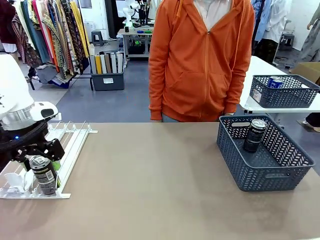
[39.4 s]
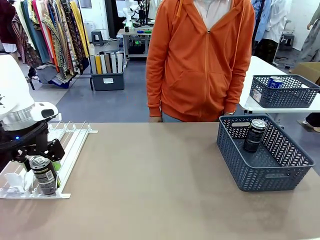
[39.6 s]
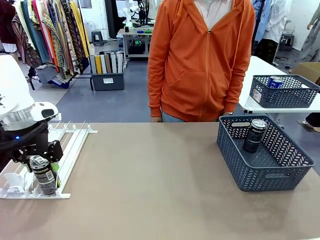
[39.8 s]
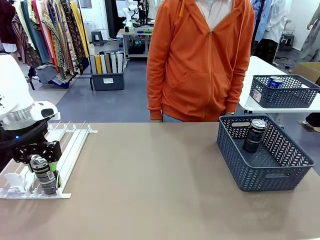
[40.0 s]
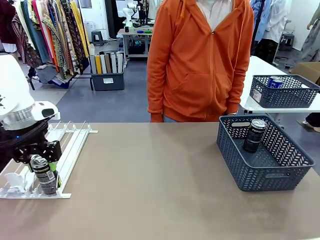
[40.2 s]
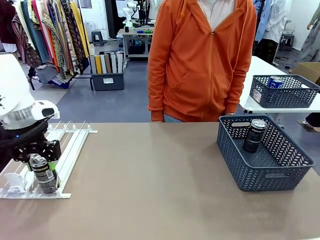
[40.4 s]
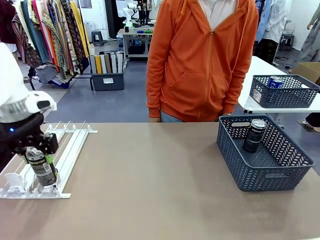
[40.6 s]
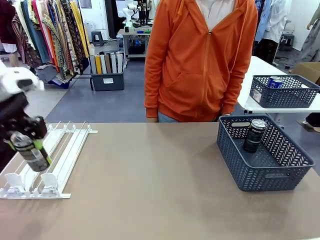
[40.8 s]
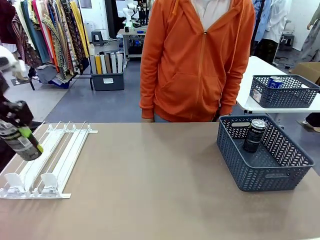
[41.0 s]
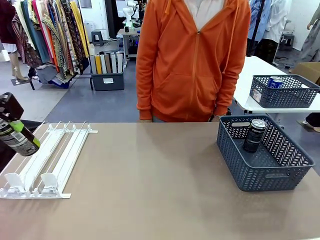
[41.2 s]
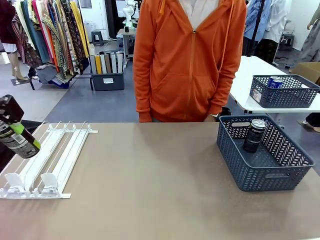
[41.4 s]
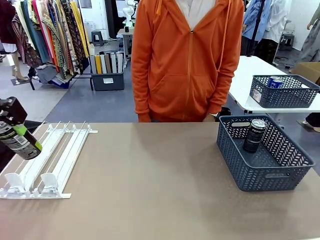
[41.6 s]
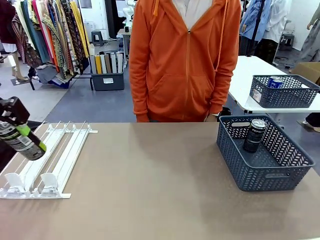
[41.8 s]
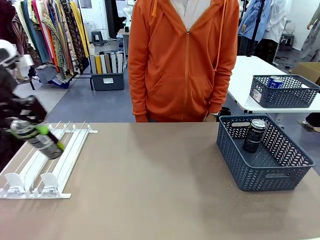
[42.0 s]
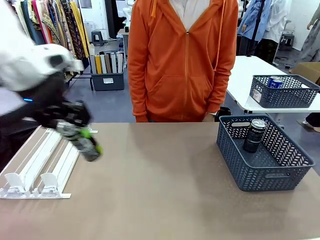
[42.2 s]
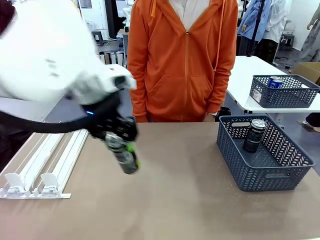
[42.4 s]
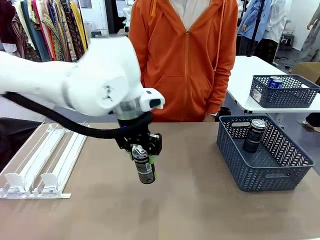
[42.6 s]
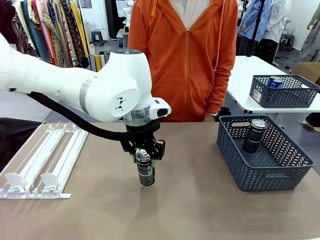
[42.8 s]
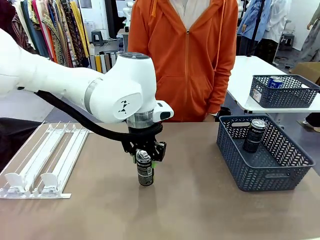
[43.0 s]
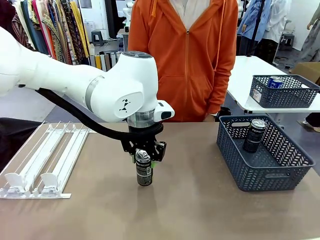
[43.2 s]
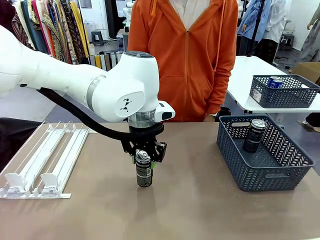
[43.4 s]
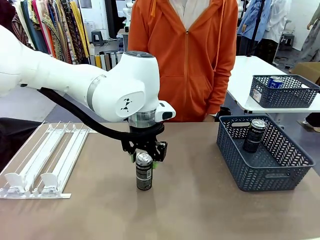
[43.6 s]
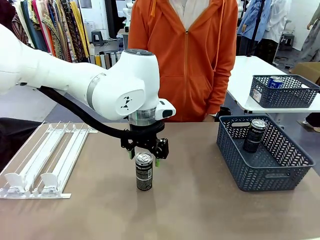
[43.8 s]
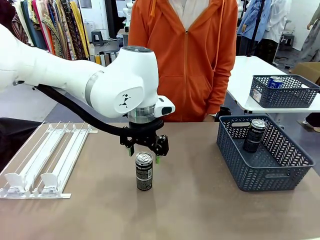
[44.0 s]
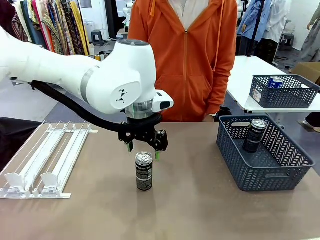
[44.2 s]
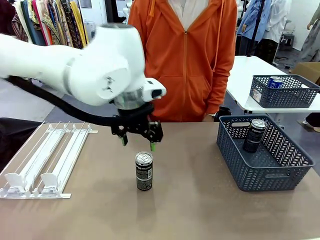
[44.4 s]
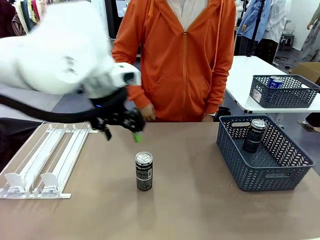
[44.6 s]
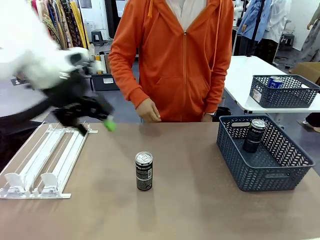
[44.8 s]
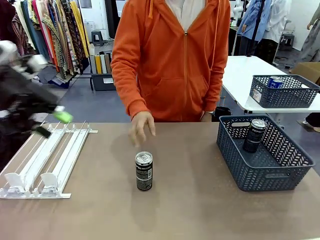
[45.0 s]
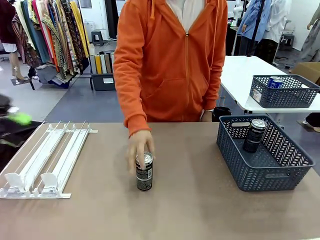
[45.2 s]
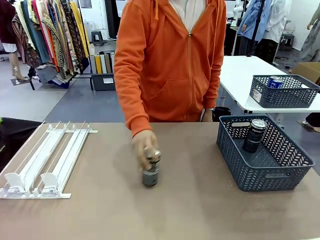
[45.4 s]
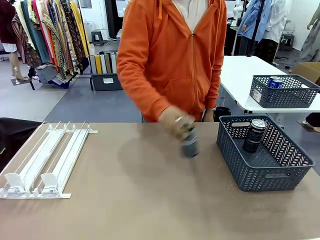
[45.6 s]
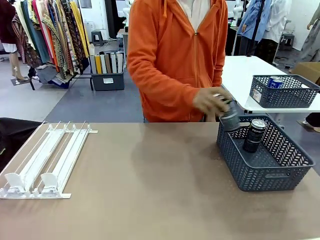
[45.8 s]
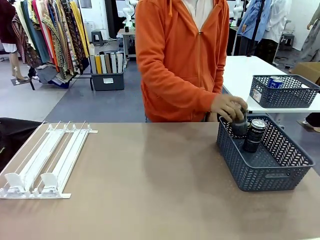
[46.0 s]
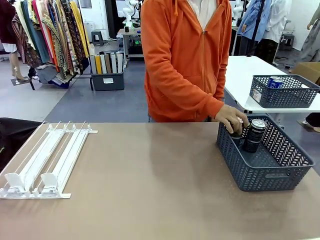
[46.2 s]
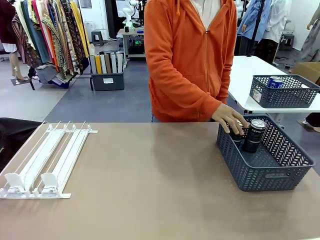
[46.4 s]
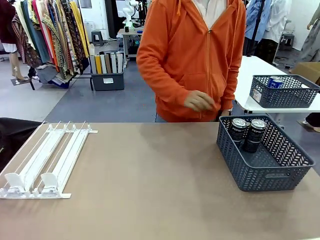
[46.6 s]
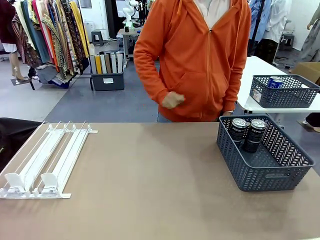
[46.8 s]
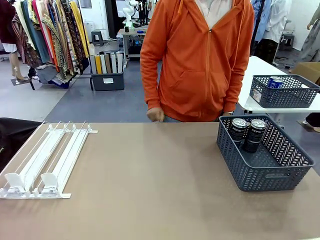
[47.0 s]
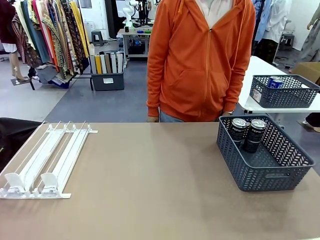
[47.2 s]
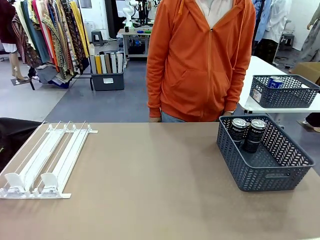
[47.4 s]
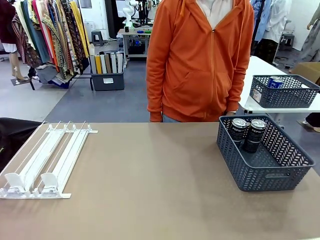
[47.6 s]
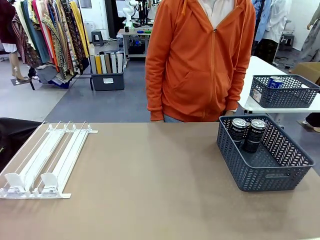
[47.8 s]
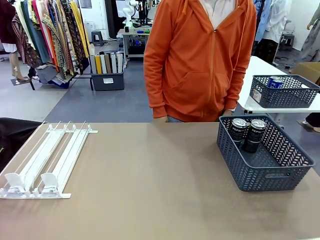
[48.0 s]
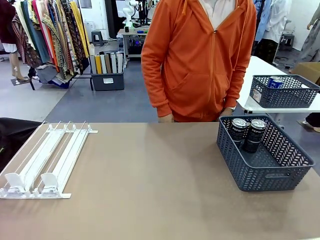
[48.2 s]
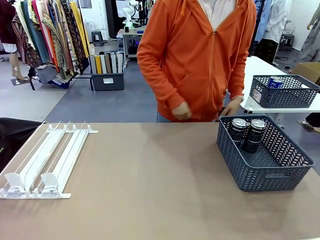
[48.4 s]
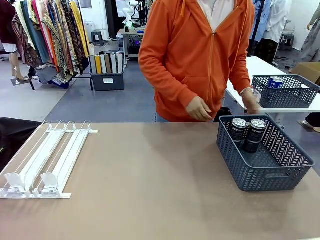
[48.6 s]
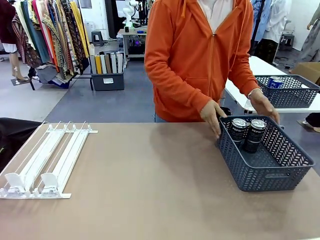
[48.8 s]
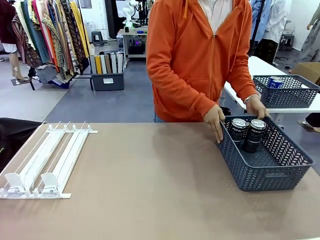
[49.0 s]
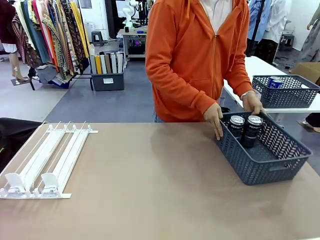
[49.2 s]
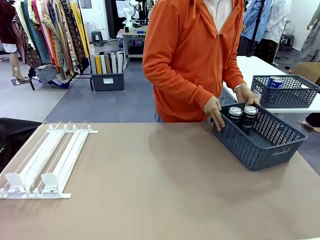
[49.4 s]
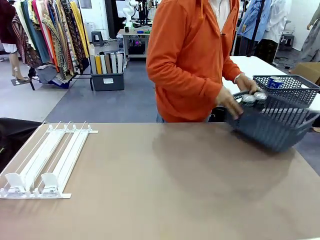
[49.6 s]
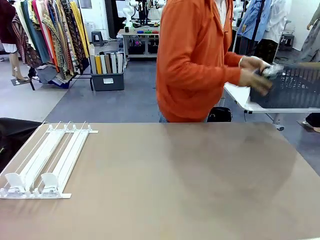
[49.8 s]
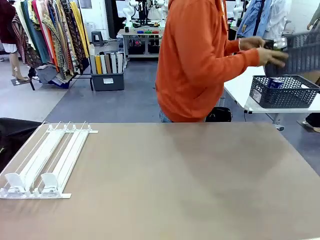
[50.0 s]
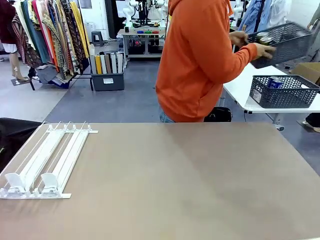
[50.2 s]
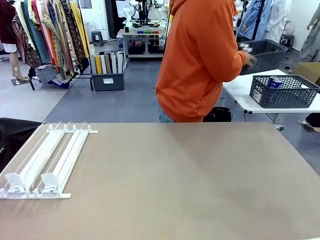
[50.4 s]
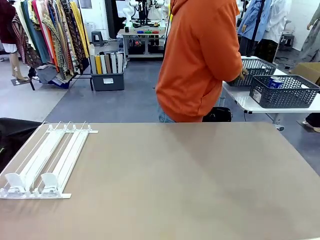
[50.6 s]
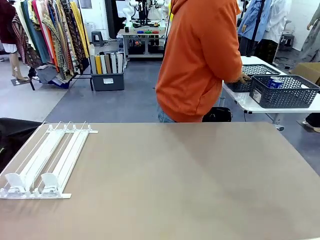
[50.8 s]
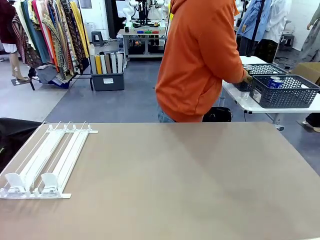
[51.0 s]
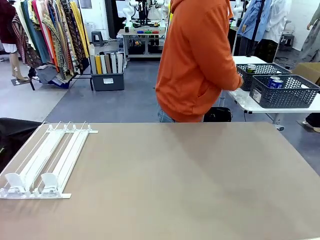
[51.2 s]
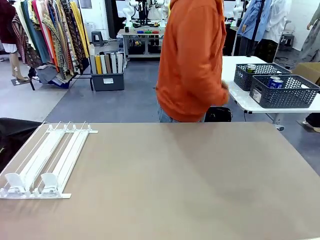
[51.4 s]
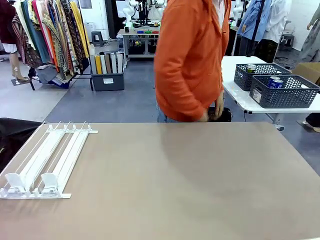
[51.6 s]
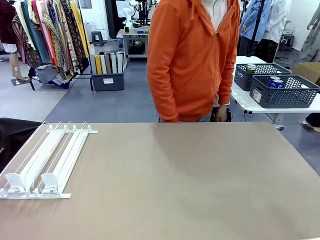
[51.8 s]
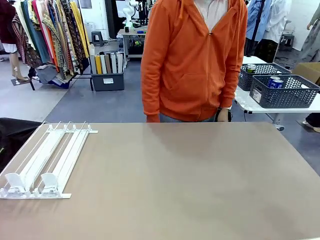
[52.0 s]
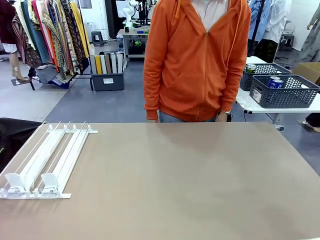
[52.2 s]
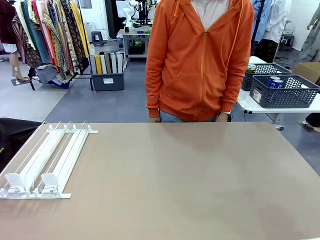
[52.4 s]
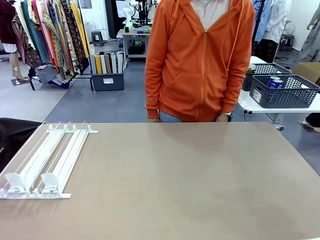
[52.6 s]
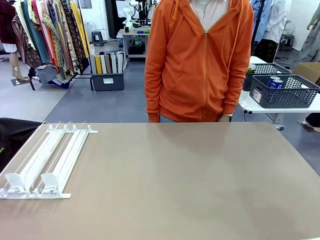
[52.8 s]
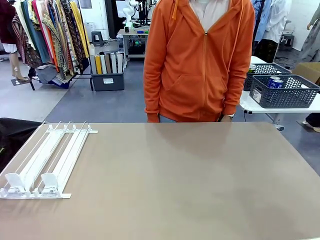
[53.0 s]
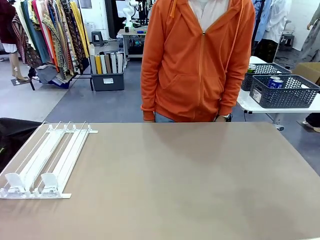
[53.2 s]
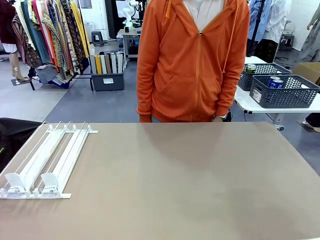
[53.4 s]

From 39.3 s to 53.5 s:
Task: Retrieve and store the cans from the dispenser.
Robot: Pick up one can from the Automatic Can Dispenser and place it in the middle of the table.
Person: Pick up one sports drink can from the middle of the robot table and place it in the basket. Pick up the basket and place it in the middle of the human table.

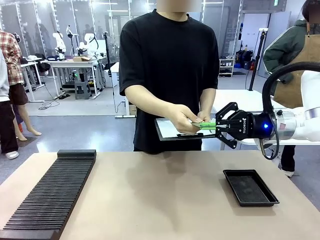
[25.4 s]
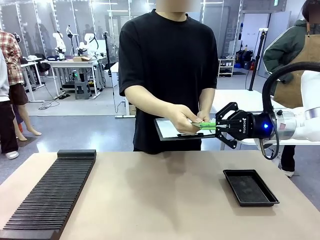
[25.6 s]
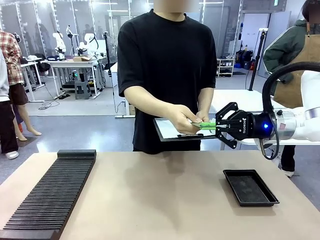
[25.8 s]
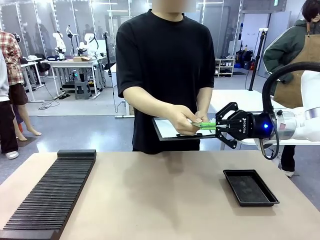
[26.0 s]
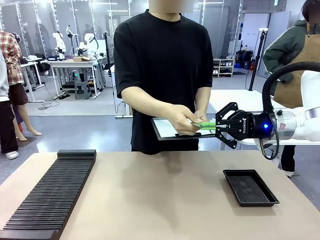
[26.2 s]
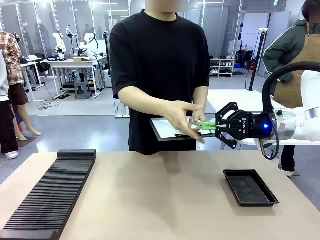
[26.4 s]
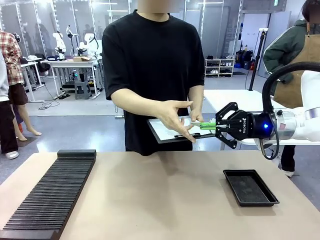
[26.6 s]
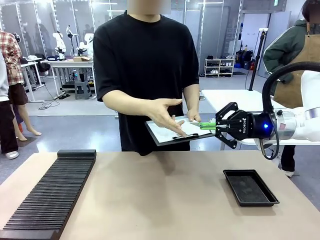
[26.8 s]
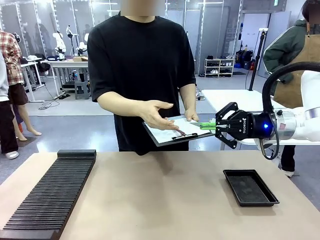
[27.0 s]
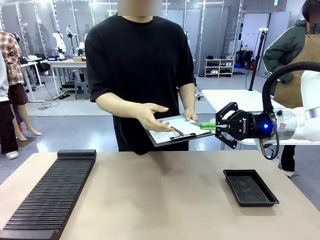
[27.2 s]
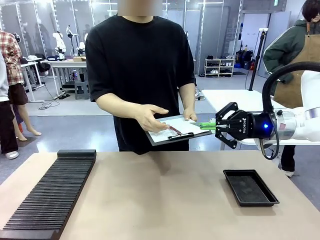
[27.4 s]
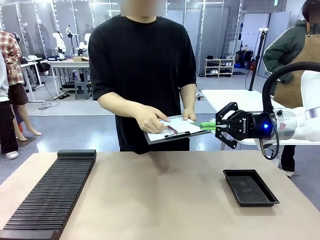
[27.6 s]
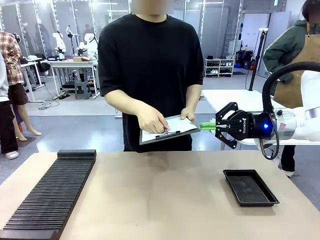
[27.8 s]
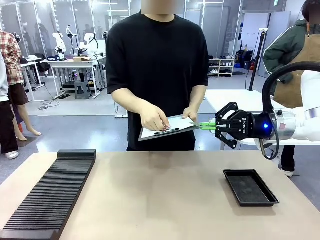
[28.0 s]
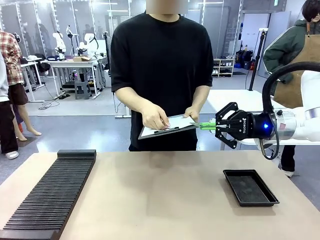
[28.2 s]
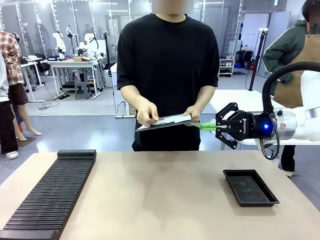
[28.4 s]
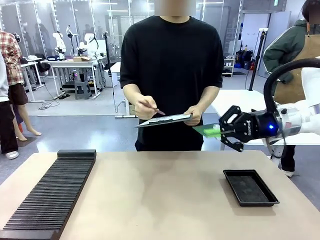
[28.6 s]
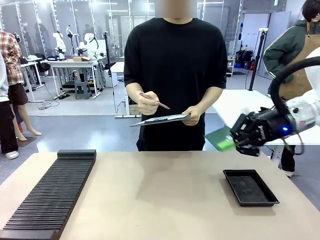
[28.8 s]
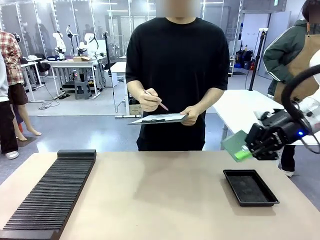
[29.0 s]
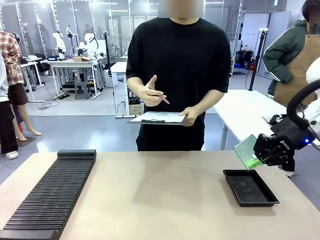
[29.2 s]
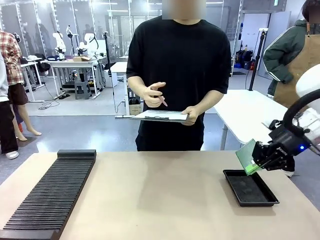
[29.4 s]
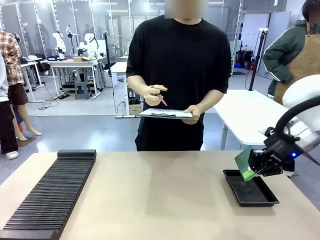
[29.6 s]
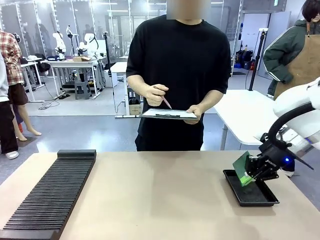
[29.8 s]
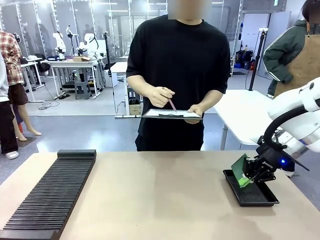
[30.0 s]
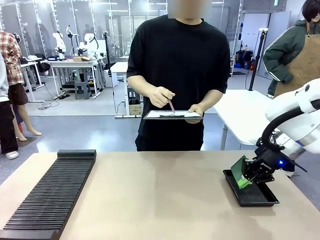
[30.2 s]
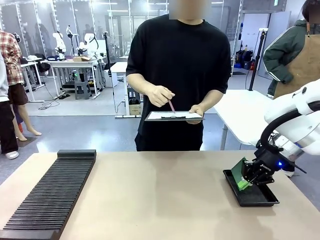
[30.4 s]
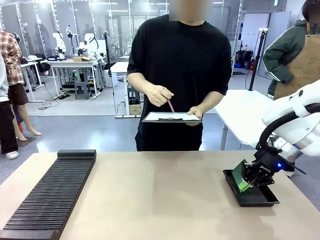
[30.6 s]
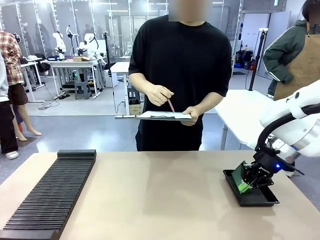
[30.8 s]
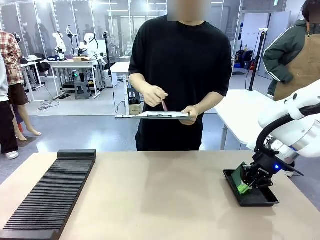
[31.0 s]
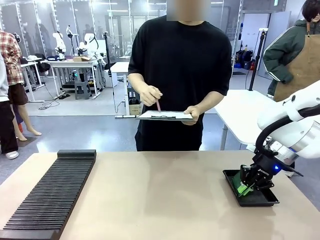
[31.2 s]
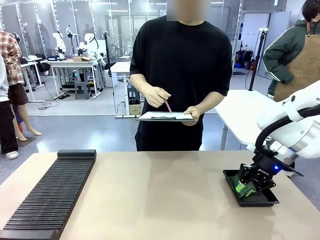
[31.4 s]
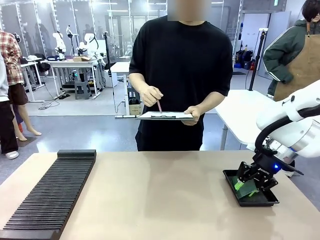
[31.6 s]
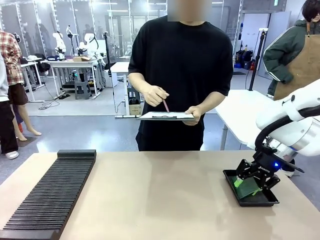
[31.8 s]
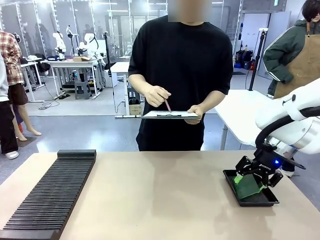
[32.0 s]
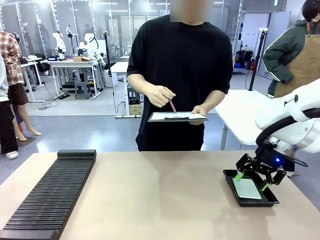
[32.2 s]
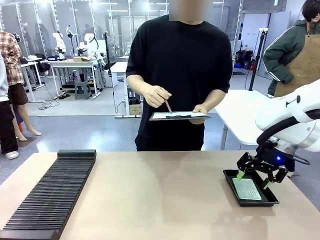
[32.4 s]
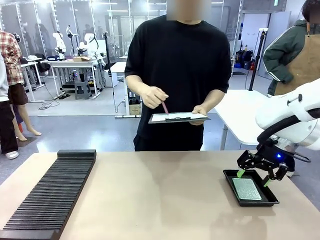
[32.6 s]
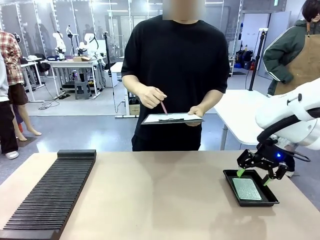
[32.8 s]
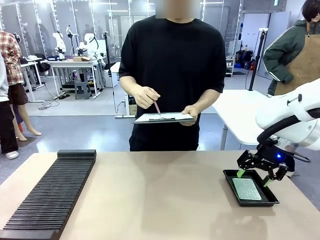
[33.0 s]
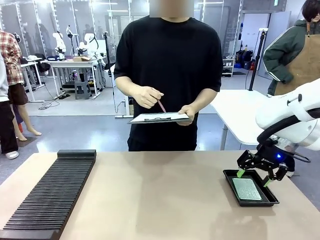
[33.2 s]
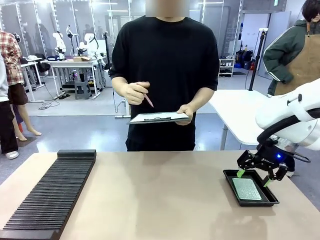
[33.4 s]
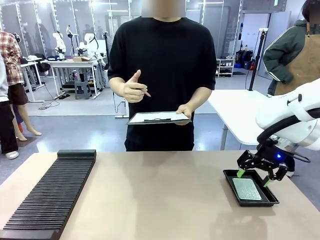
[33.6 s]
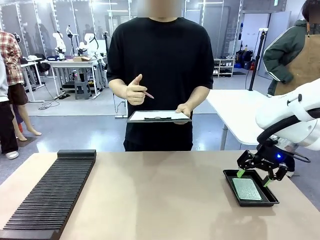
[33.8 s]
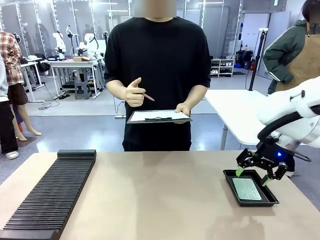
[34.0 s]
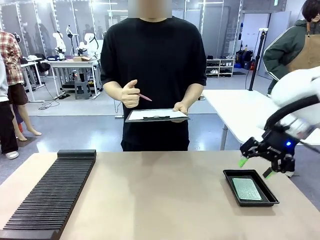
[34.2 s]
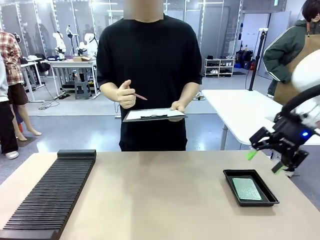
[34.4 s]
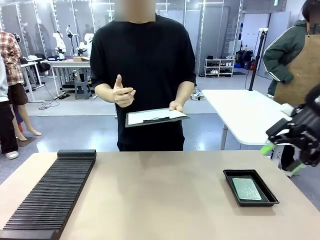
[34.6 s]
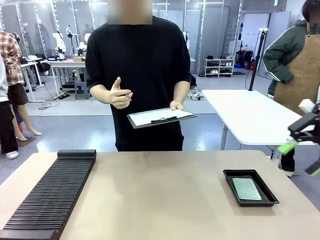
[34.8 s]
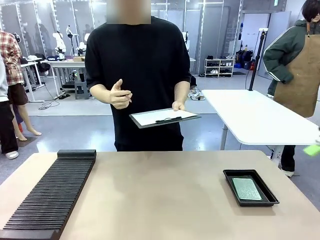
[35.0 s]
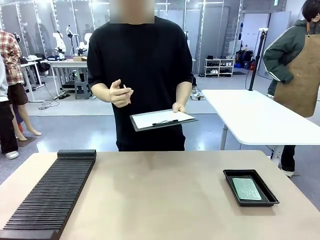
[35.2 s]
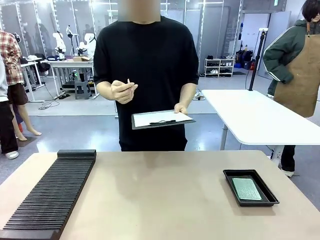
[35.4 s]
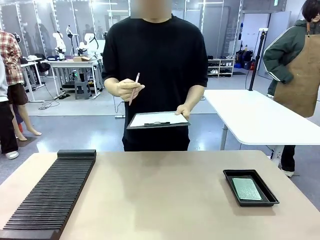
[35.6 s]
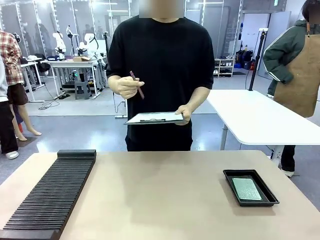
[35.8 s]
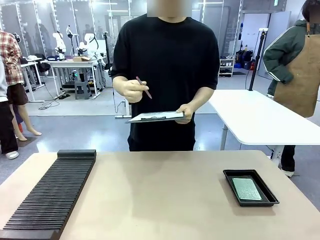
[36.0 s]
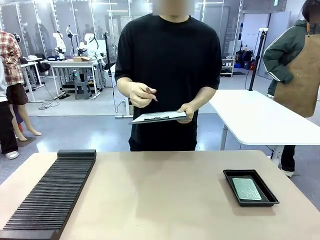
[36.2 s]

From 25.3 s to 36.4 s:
Task: Inspect the PCB.
Robot: Place the Blank PCB in the ESD tray.
Person: Record the PCB status on the paper.
